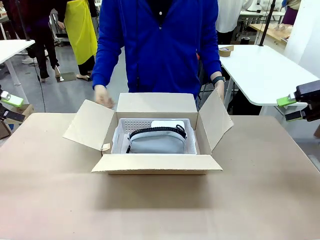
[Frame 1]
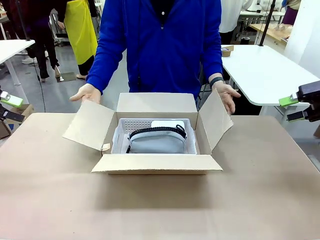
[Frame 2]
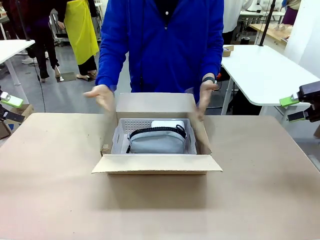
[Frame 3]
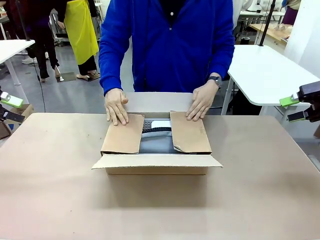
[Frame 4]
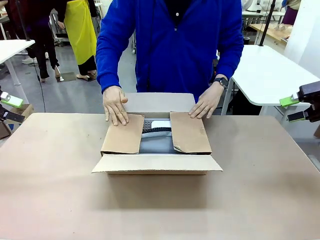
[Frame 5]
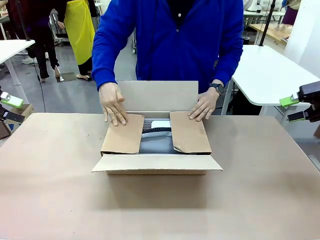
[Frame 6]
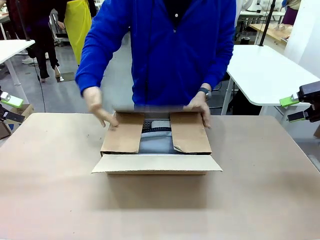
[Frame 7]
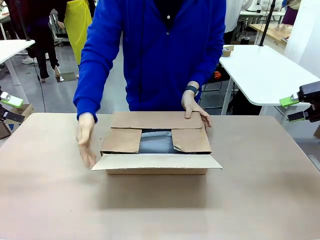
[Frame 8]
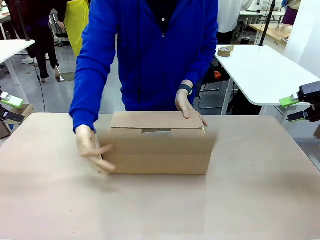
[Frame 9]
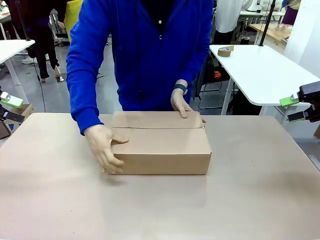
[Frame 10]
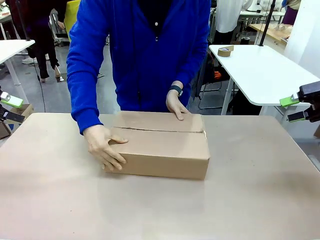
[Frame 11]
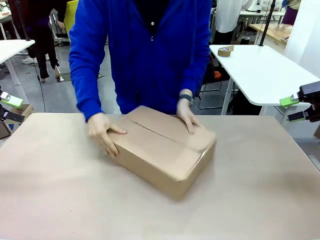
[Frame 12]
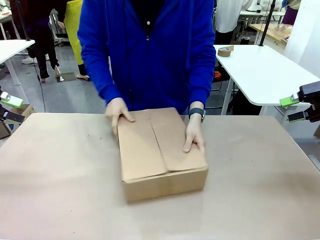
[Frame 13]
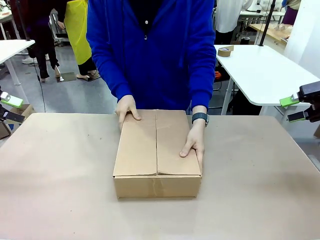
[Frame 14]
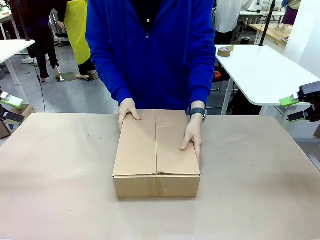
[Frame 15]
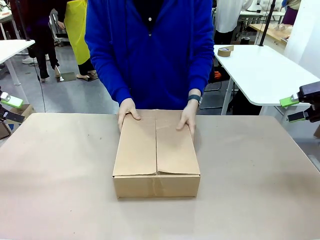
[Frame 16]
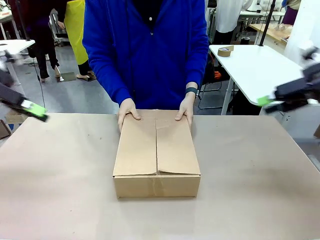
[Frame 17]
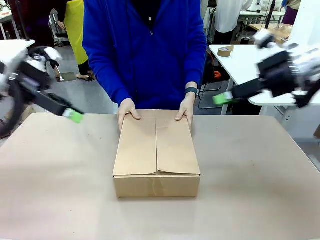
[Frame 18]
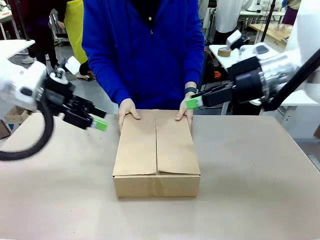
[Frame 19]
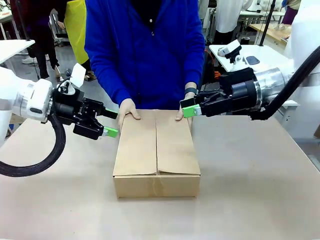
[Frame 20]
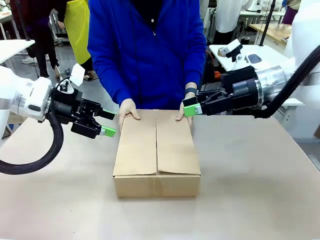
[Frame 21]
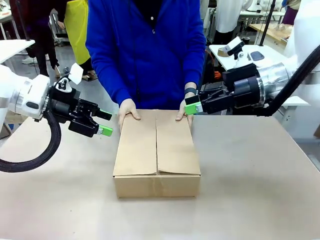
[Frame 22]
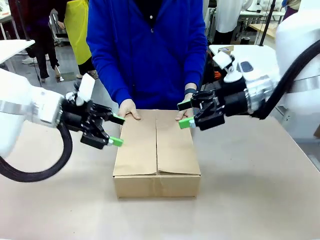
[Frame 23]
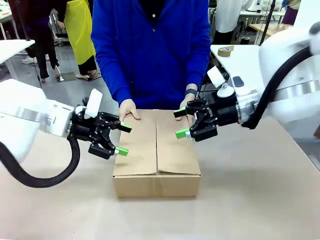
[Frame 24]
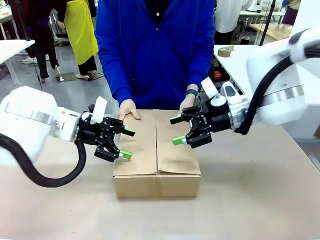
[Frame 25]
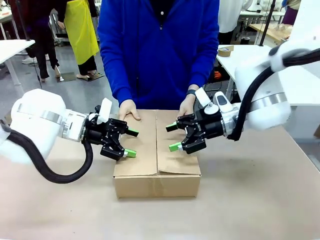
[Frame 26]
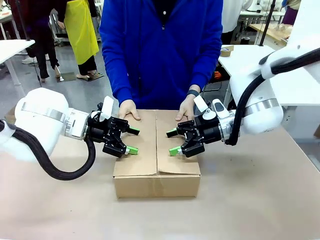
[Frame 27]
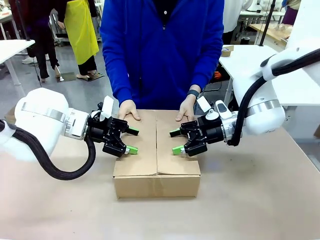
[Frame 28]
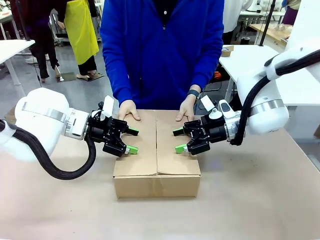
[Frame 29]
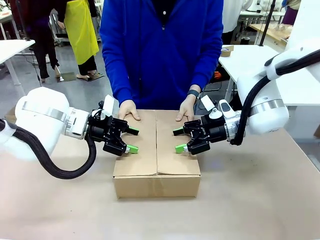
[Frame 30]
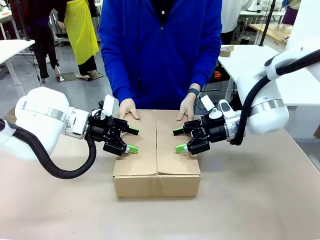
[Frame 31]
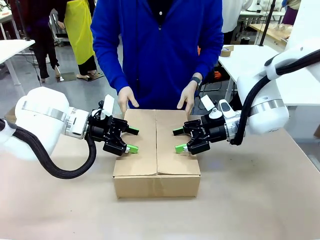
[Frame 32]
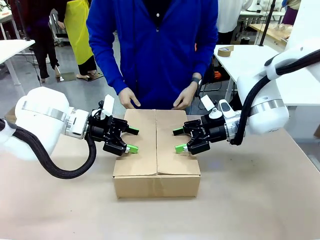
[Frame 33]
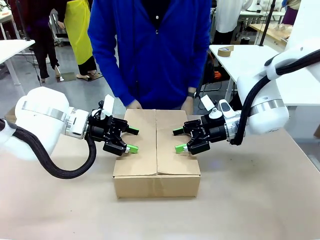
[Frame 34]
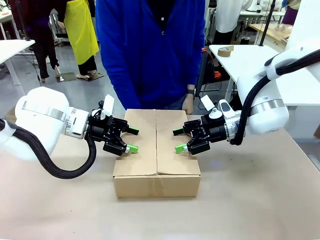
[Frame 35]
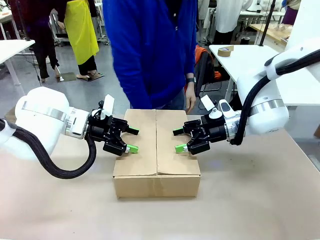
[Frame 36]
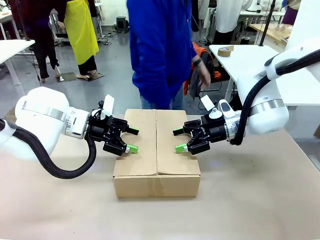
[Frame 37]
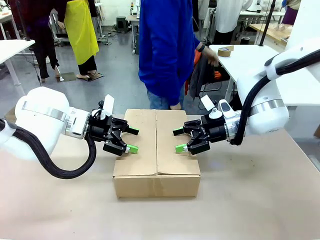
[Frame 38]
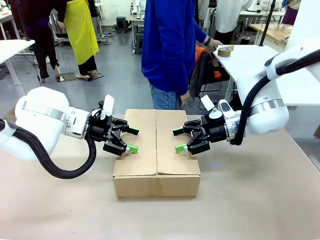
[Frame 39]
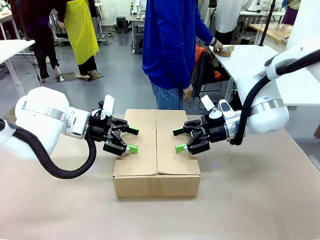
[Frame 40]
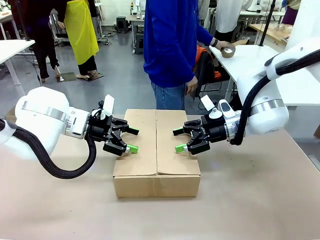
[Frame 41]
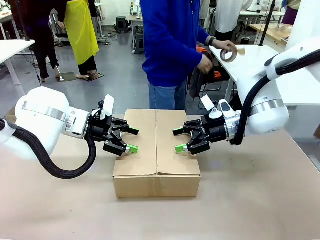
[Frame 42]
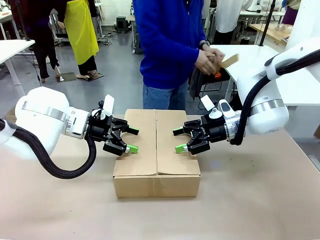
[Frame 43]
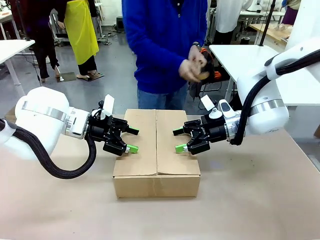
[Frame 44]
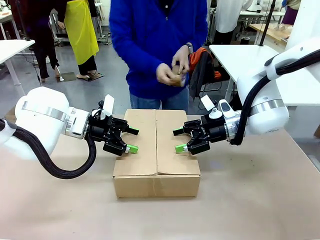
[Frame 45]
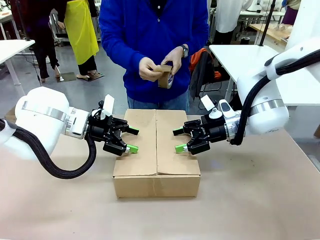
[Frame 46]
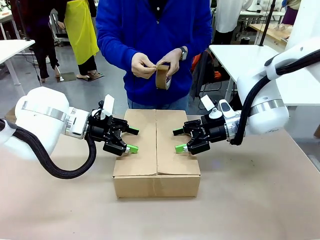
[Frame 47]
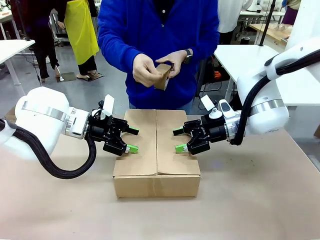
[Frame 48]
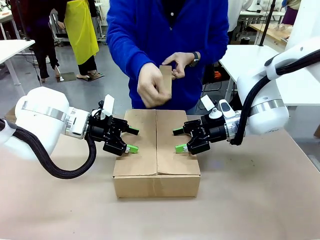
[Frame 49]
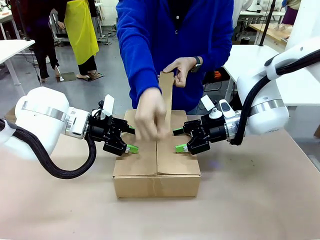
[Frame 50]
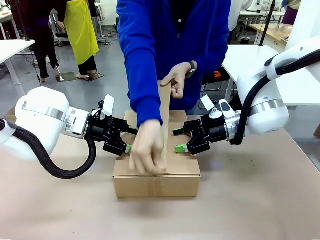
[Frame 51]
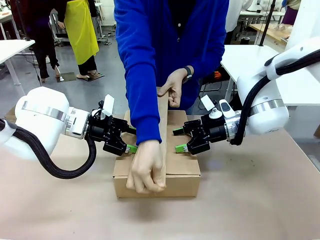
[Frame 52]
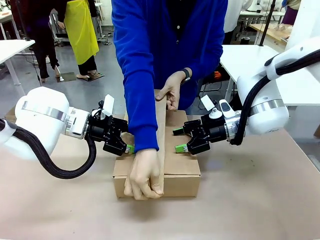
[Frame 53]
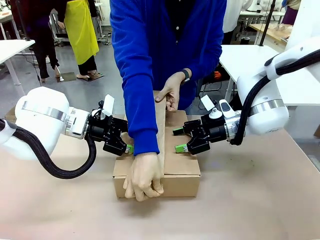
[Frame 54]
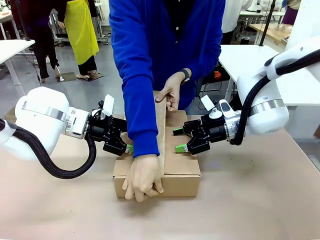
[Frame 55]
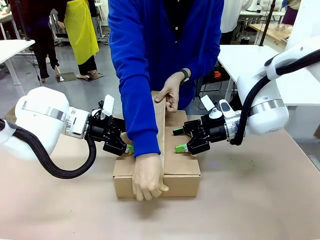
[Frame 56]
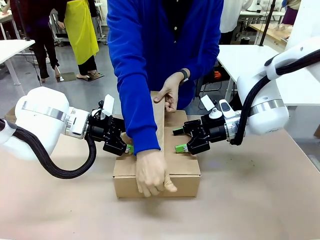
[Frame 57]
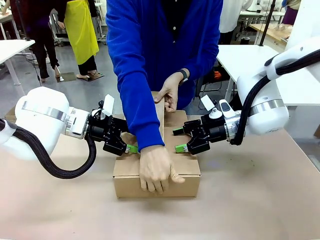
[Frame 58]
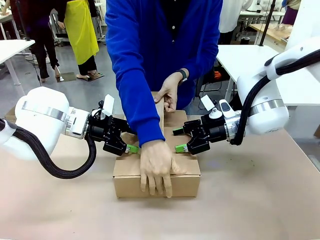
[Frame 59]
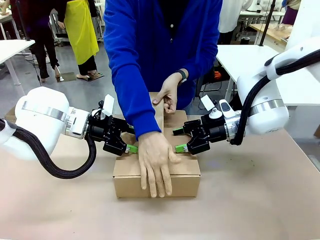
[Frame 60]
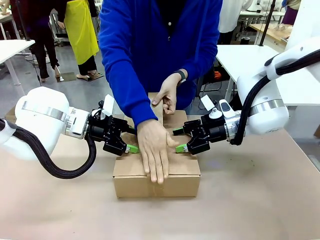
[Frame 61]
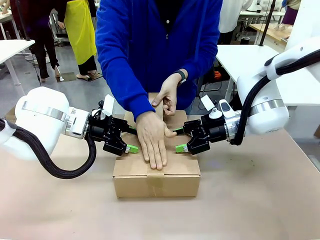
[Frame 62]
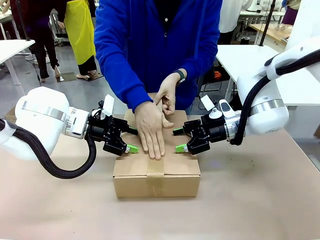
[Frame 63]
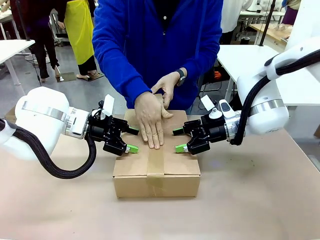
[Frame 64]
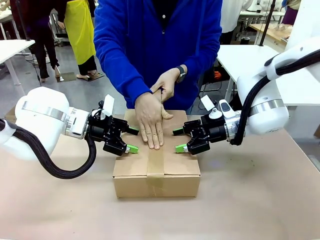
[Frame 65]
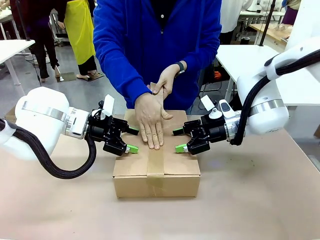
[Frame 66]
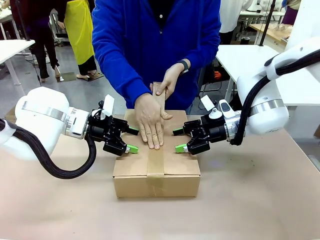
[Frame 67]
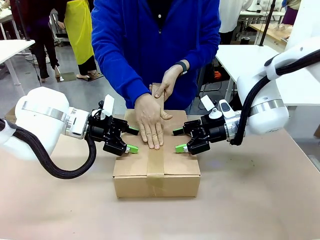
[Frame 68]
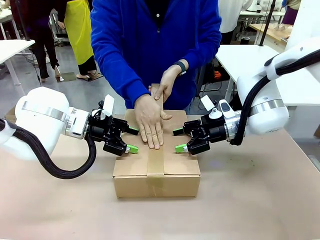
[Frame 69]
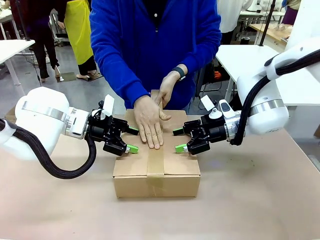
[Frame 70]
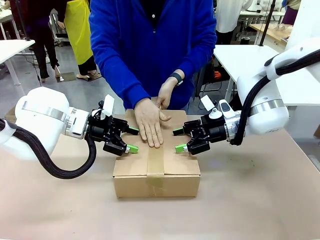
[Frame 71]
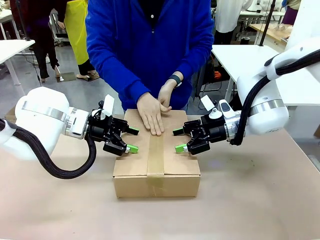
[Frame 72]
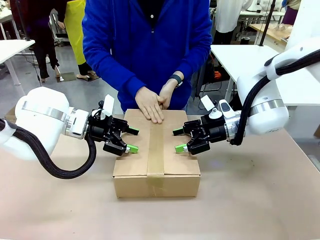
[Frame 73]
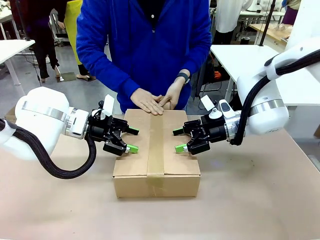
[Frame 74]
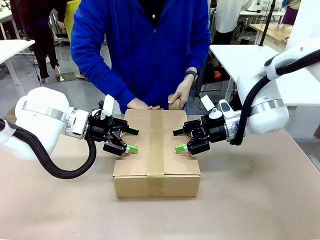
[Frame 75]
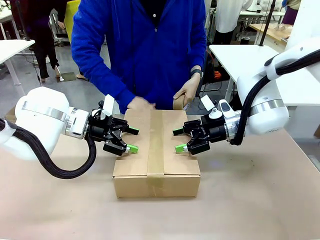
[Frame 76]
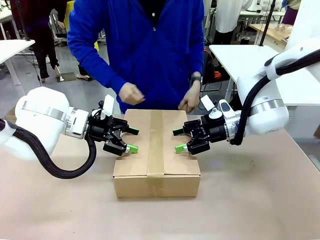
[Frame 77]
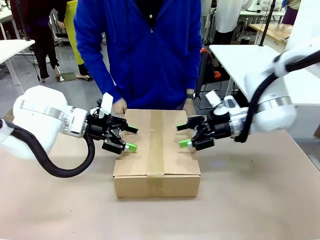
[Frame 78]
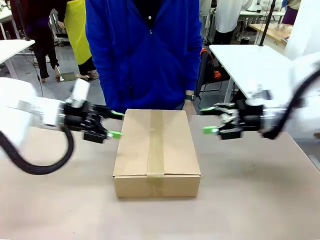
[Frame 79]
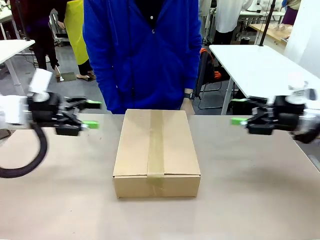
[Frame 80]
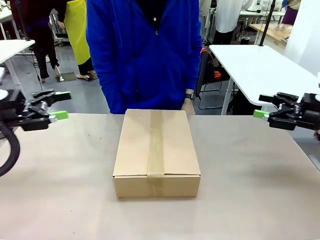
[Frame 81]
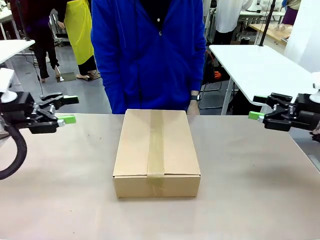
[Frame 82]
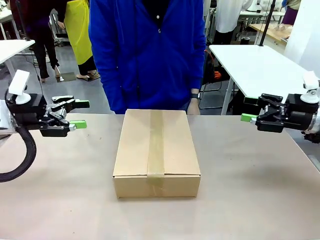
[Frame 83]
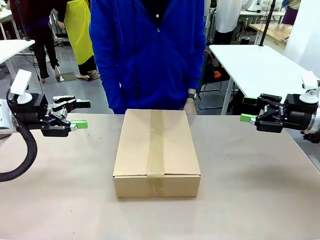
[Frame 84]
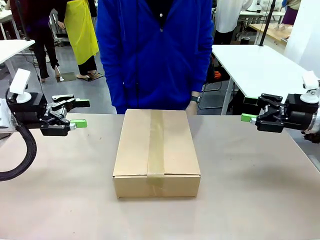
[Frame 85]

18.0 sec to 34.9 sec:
Task: Pack the gift set into the box.
Robot: Press and hold the closed box until the human finishes sealing it.
Person: The human closes the box and rotates the box by 90 degrees. The human picks up the paper tape from the human table and packs the box.
